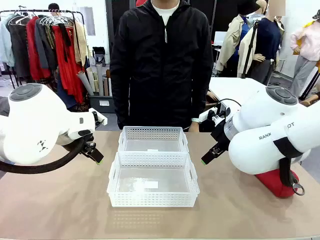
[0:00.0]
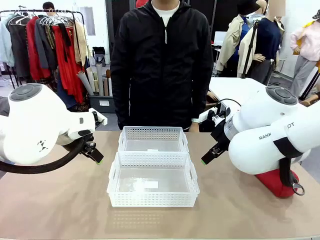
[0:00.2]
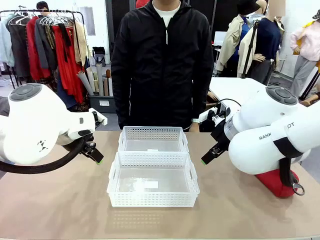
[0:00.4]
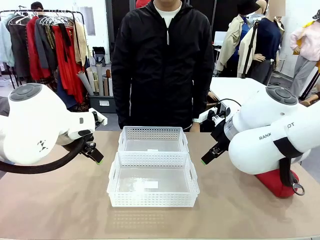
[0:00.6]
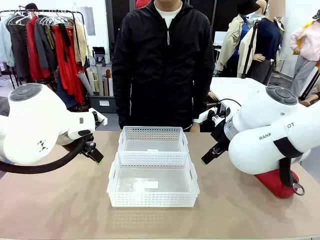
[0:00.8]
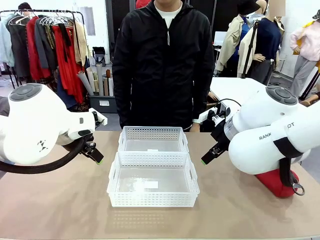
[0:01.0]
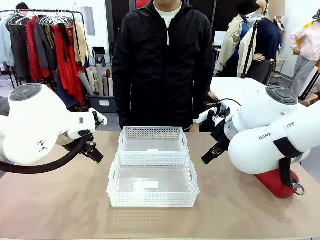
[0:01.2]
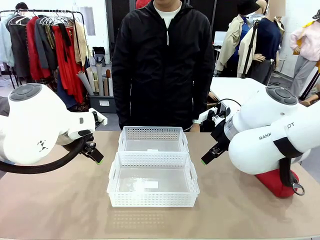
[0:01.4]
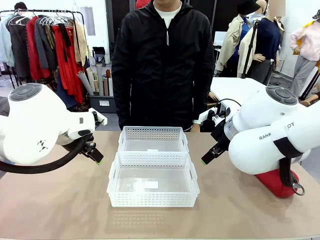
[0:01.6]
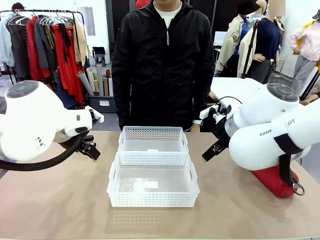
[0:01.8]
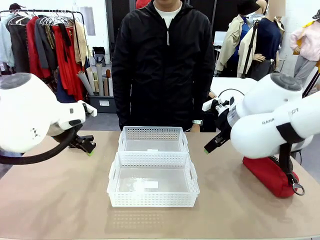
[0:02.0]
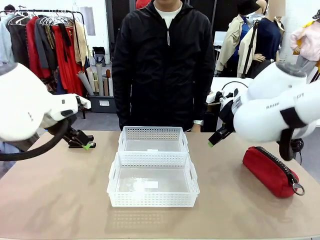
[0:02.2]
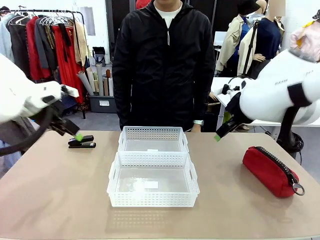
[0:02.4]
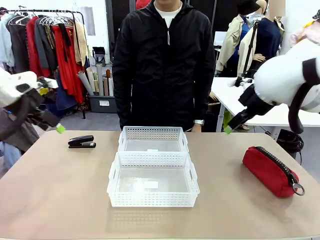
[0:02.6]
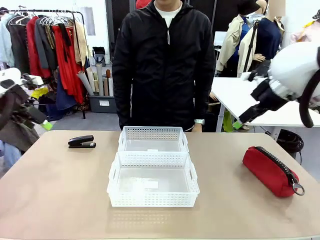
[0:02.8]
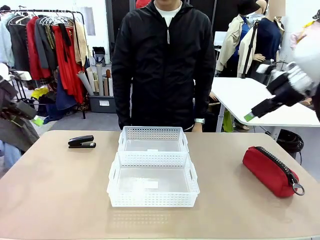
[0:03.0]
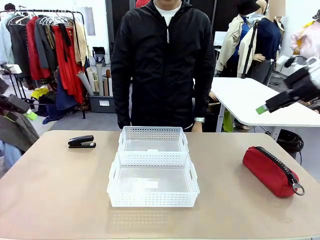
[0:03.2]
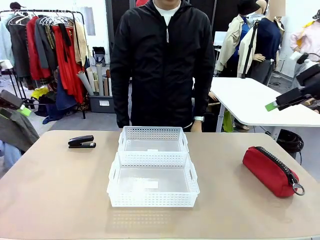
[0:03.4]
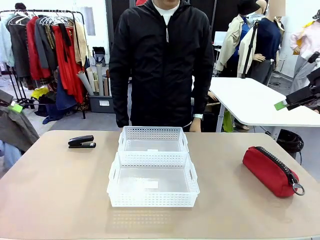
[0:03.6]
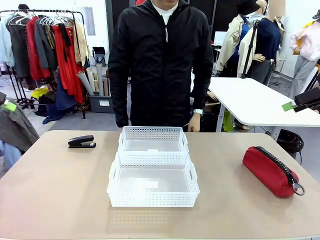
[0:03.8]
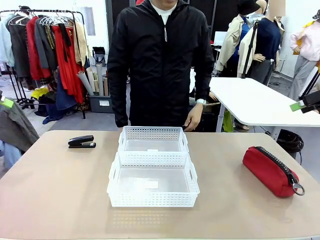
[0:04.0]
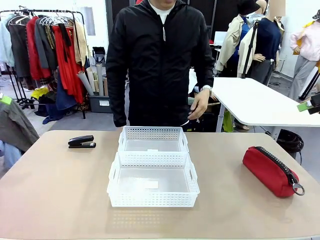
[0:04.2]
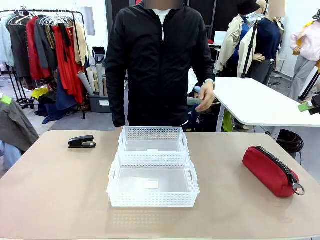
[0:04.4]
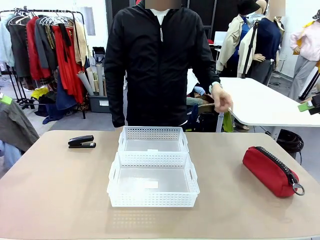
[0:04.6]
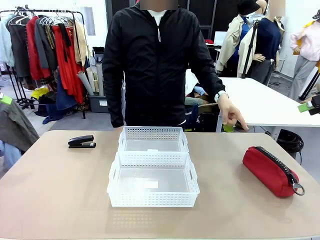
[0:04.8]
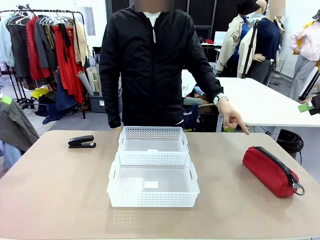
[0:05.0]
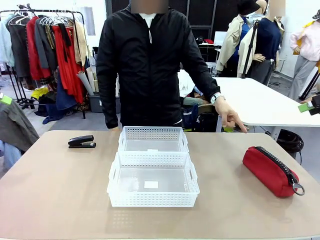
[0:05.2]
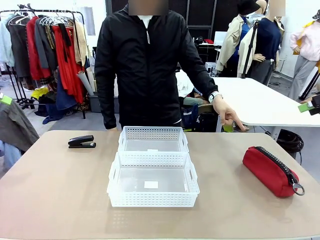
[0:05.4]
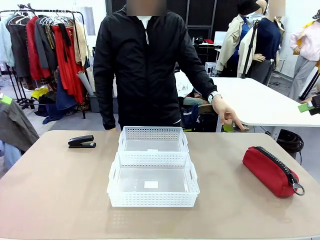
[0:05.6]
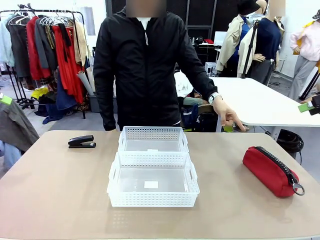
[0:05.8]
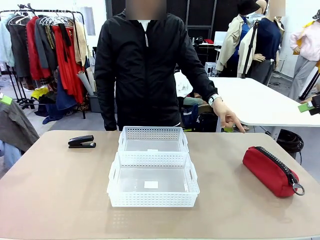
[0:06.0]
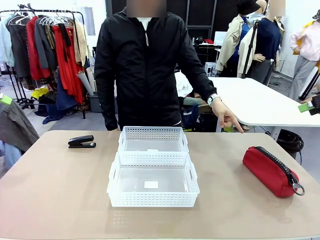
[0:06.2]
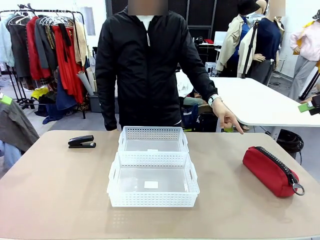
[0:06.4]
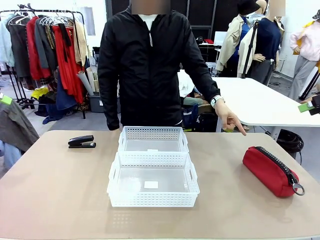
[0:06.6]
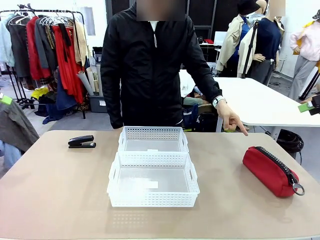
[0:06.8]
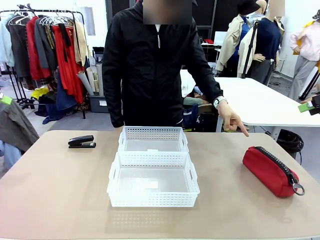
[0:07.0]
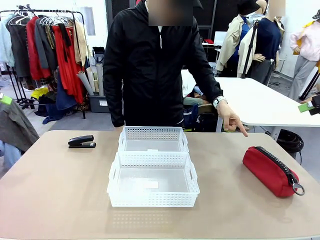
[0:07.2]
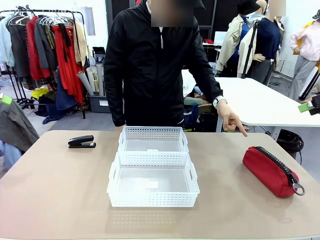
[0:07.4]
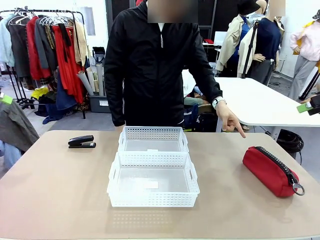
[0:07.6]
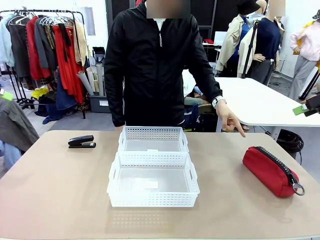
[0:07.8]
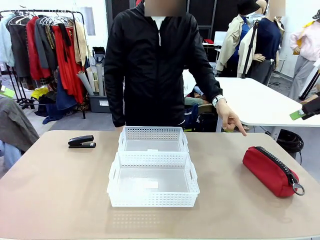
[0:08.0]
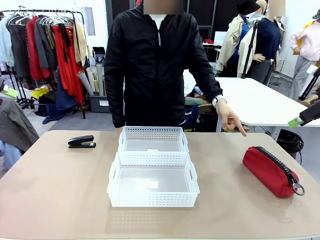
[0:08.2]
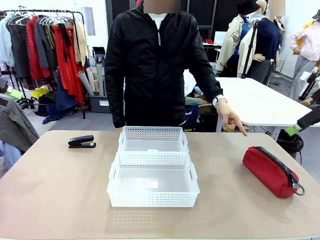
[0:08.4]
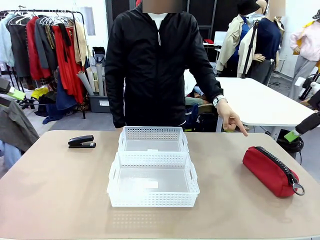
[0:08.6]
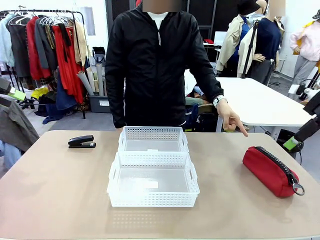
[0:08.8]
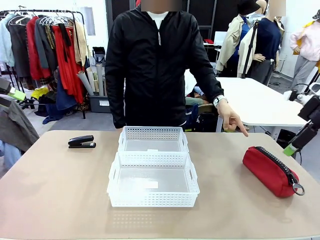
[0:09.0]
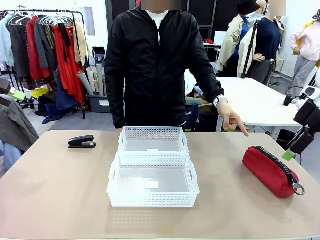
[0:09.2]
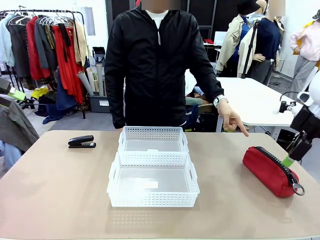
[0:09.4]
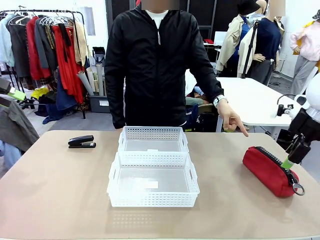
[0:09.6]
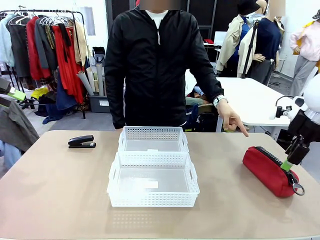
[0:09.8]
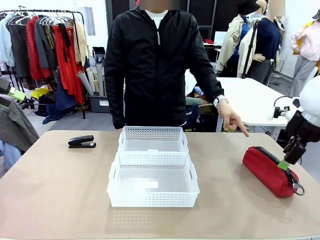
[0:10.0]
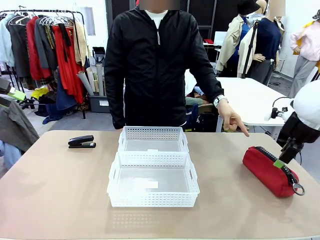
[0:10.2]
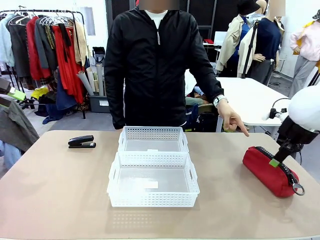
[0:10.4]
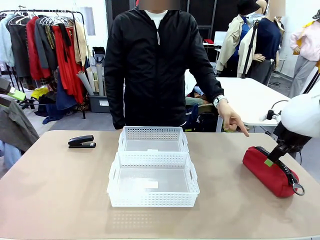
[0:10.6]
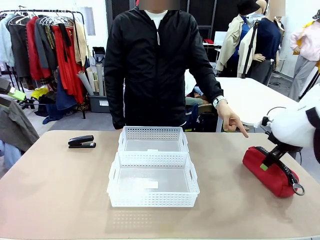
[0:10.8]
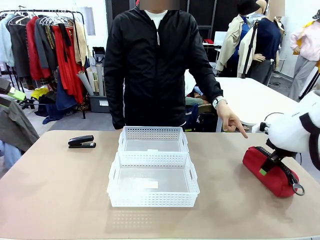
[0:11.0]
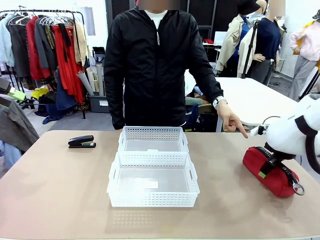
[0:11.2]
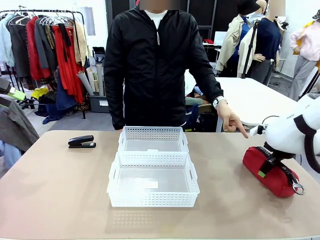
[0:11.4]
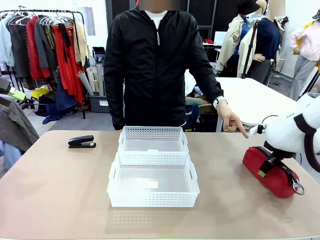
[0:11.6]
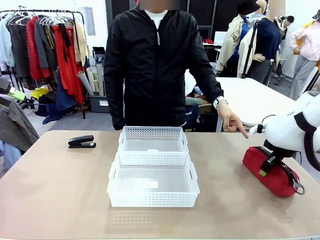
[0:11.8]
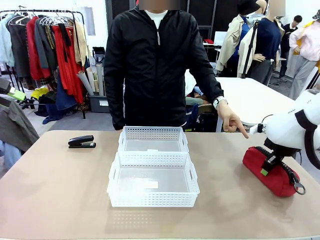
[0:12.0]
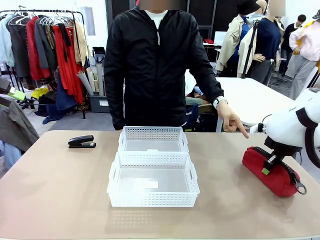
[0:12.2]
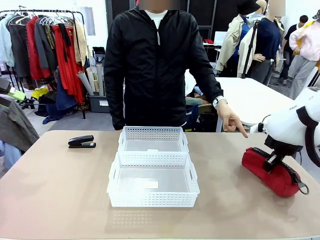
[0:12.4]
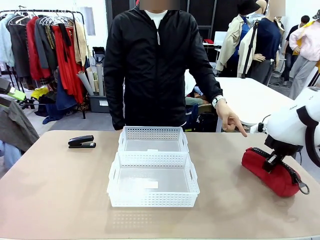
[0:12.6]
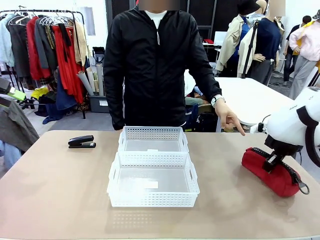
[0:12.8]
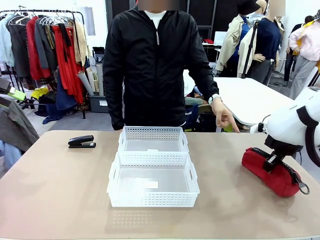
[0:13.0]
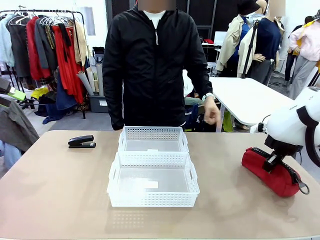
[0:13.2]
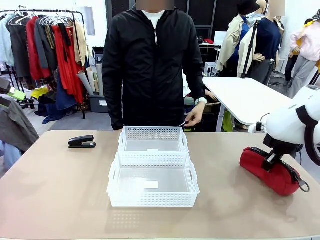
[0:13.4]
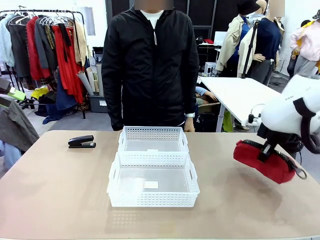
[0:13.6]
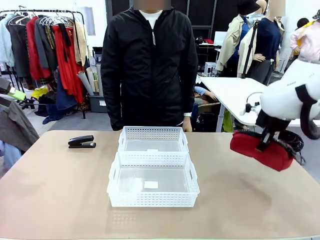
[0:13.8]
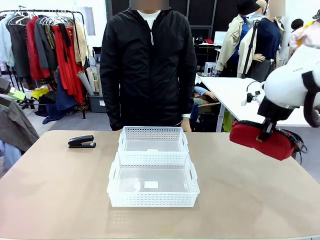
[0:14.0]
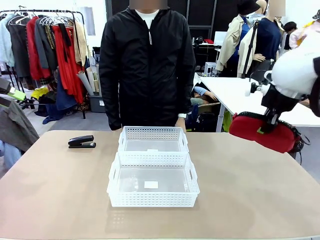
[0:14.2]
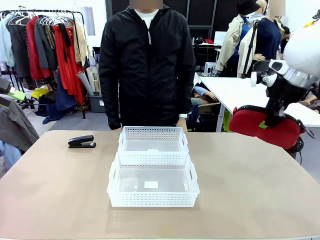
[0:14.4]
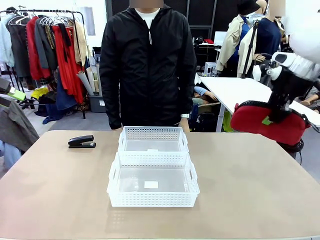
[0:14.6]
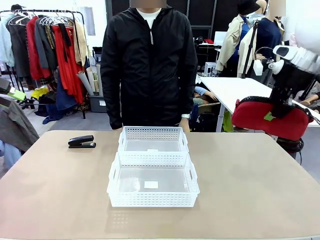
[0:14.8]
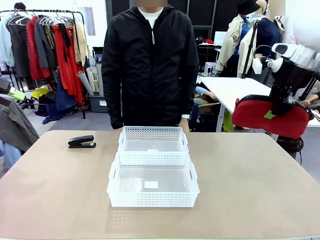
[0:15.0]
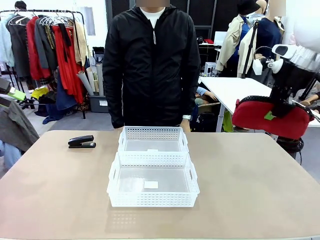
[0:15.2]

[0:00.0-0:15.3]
Task: Distribute items into two baskets.
Robot: Pick up the Pencil pouch that the person points to.
Person: Points to the pencil case. Points between the two organizing baskets and instructs the robot to move the pencil case.

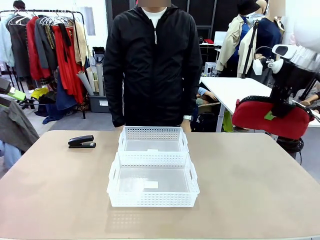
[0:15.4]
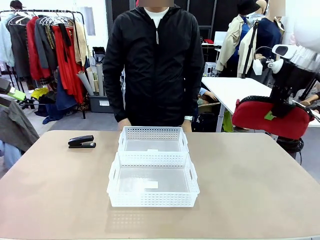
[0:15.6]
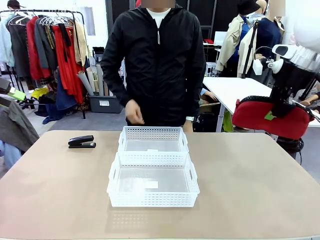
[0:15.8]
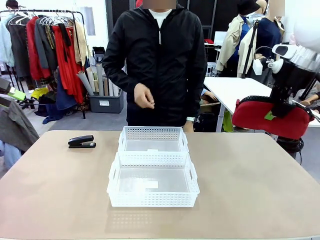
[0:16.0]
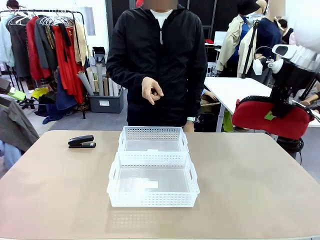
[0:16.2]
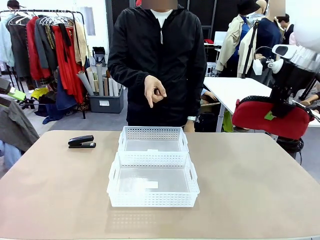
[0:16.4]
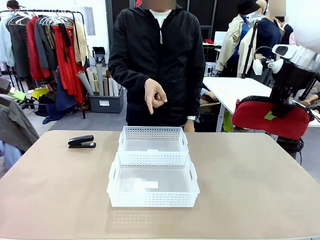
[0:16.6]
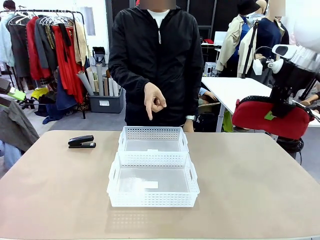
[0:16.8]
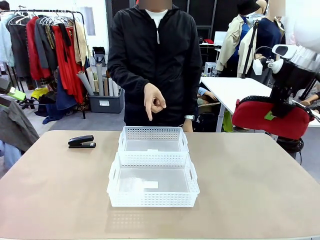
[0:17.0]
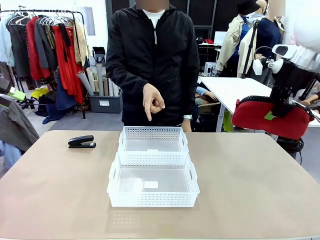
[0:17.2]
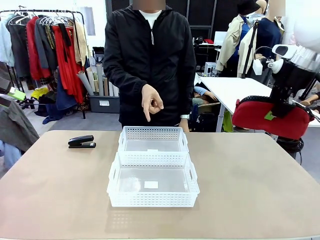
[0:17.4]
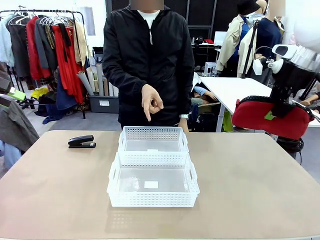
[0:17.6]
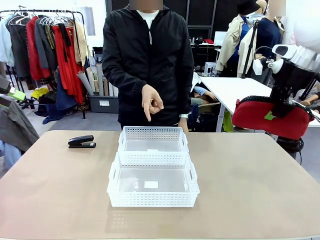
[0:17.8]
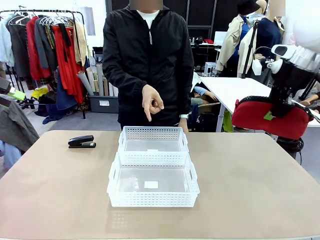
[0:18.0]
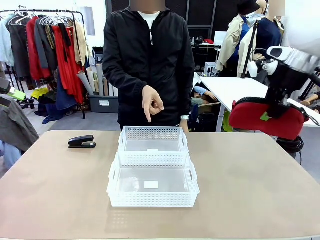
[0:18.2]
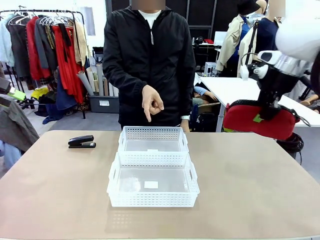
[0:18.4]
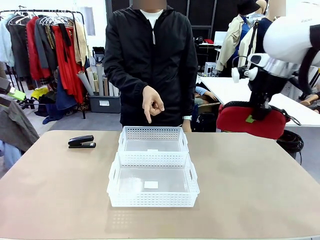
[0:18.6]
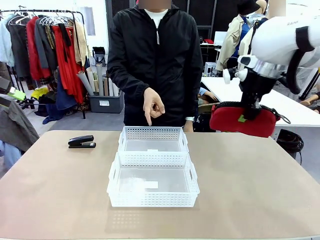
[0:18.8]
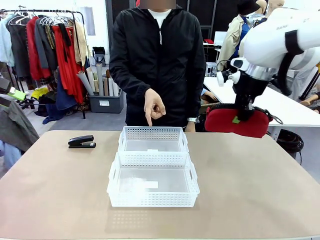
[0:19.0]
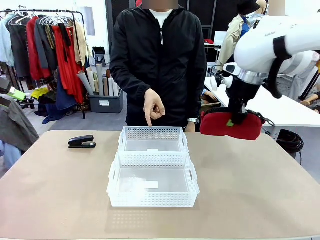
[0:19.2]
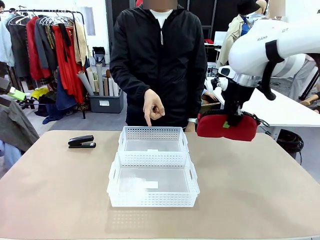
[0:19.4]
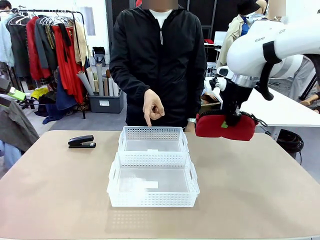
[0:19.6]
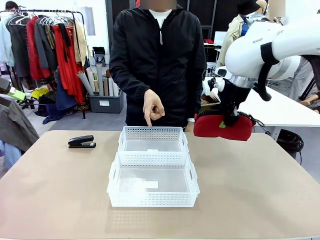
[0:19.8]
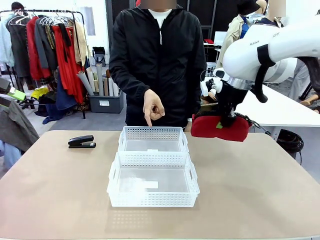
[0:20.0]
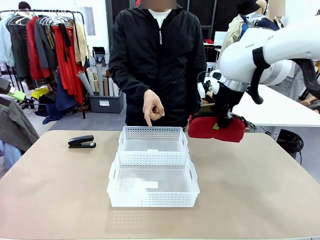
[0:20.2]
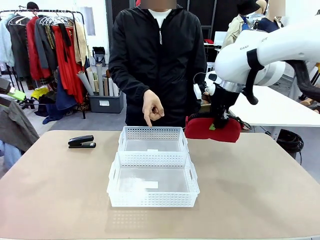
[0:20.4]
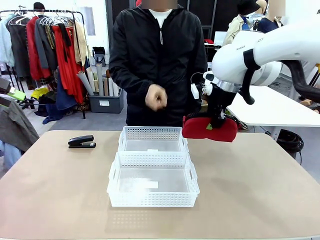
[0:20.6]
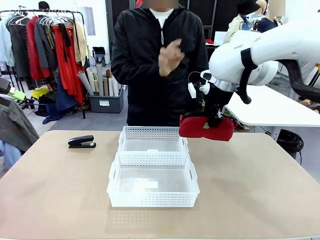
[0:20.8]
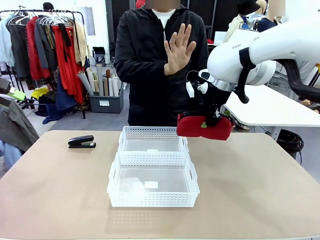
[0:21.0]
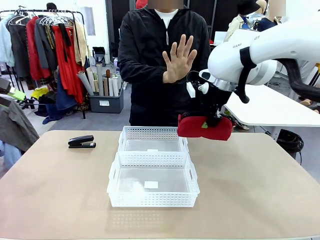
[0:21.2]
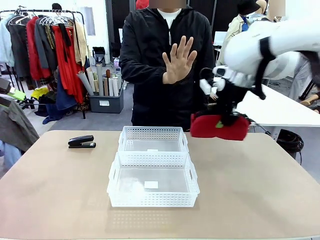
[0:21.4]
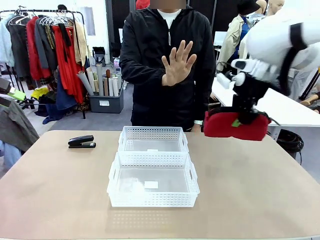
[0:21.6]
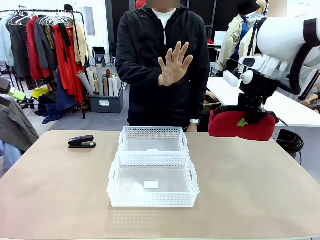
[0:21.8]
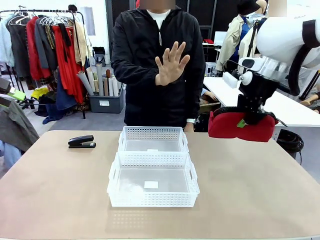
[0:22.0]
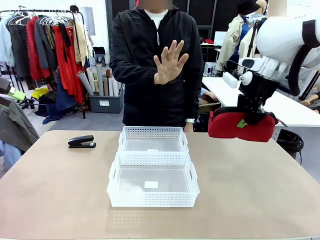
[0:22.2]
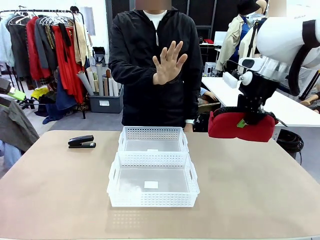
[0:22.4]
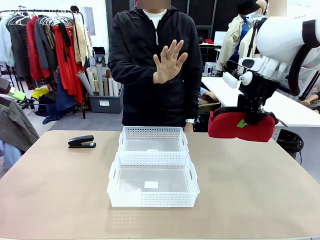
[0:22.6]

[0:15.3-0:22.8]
Robot: Move the picked Pencil pouch towards the Organizing basket indicated by the person, stopping as directed.
Person: Sends a stop gesture before the robot places the pencil case into the basket.
